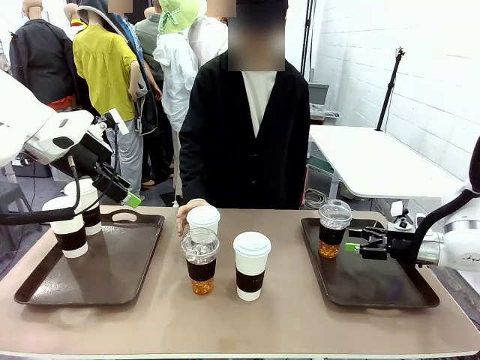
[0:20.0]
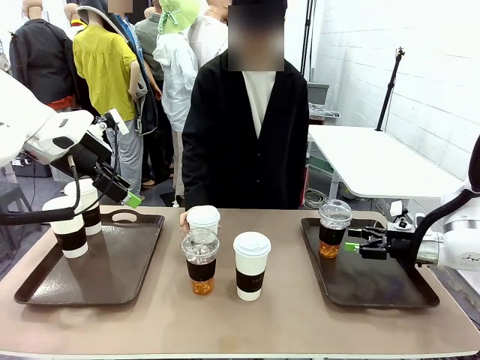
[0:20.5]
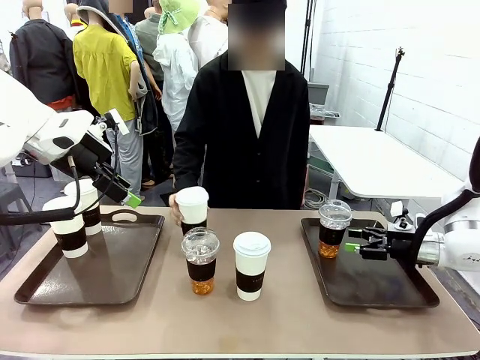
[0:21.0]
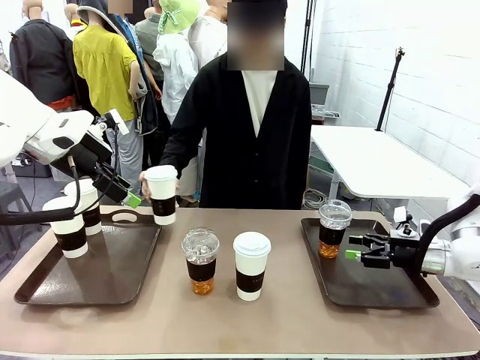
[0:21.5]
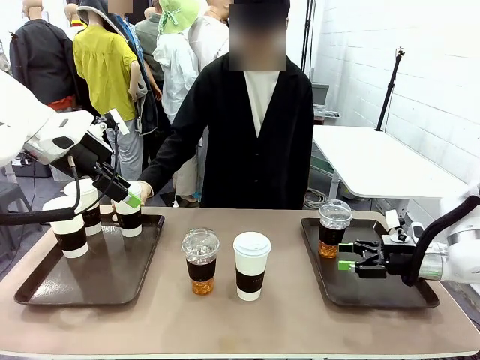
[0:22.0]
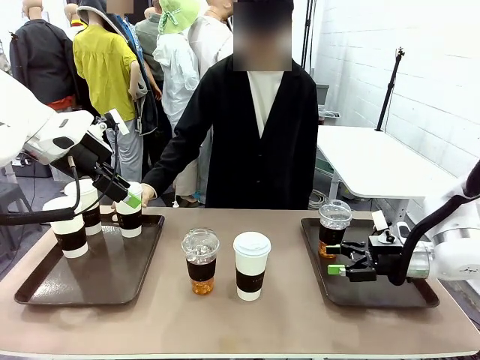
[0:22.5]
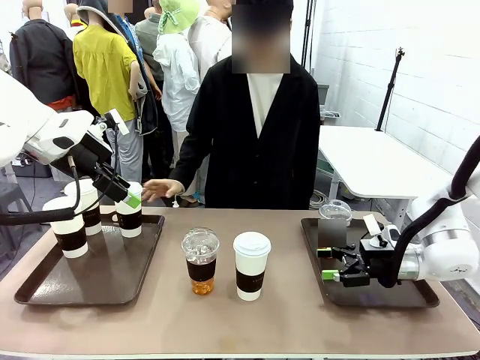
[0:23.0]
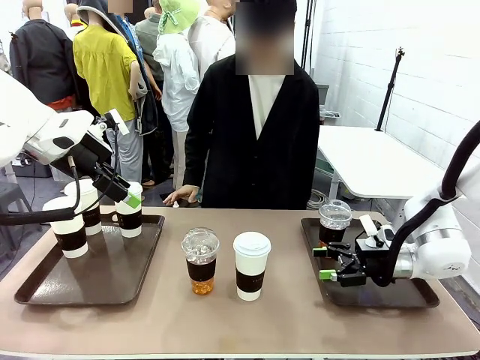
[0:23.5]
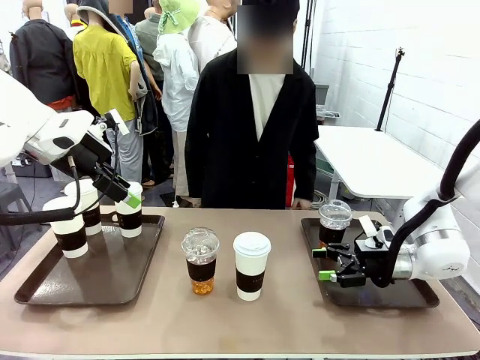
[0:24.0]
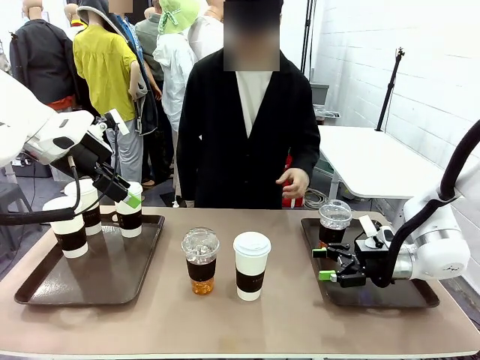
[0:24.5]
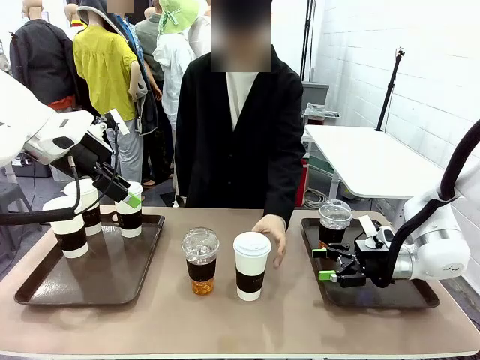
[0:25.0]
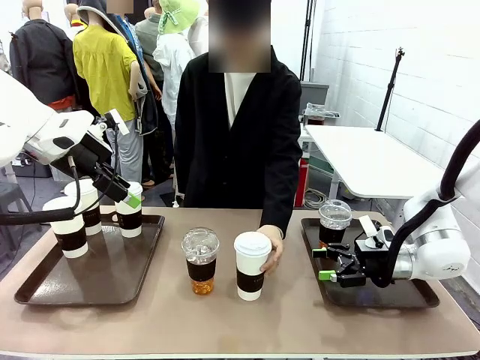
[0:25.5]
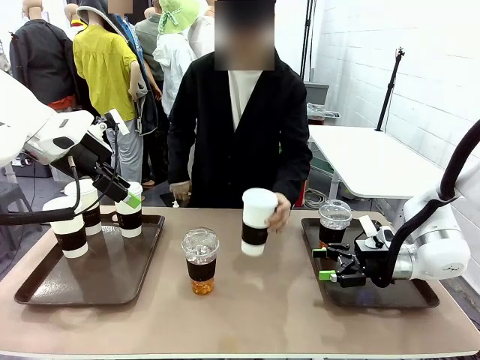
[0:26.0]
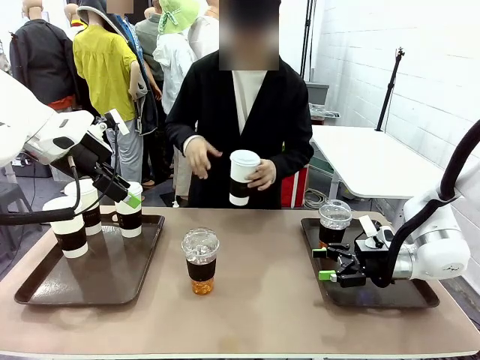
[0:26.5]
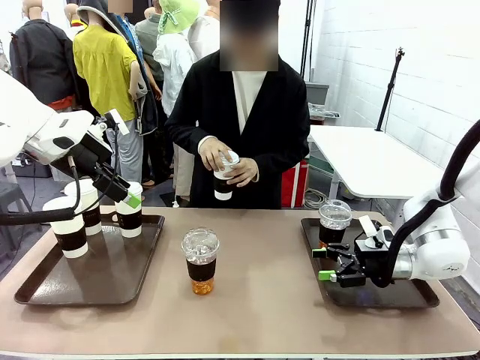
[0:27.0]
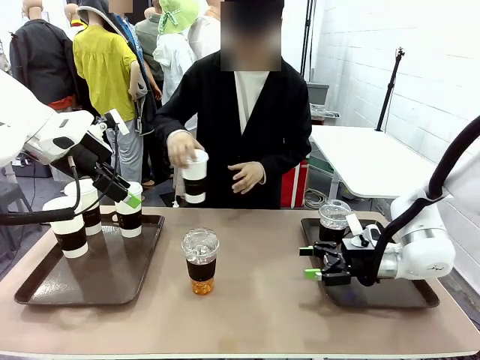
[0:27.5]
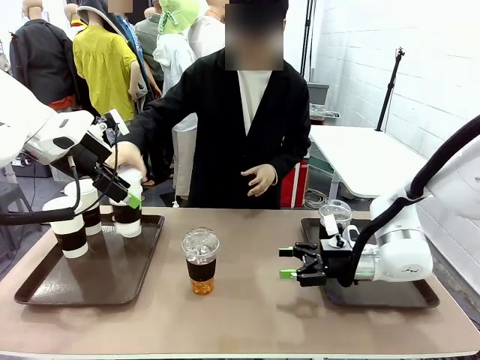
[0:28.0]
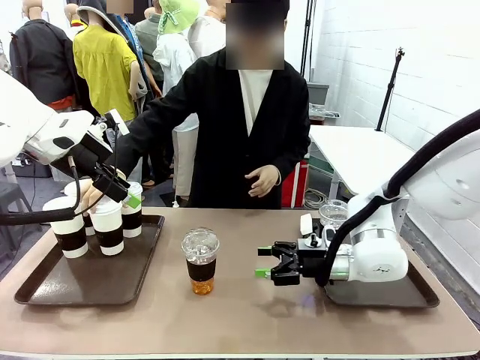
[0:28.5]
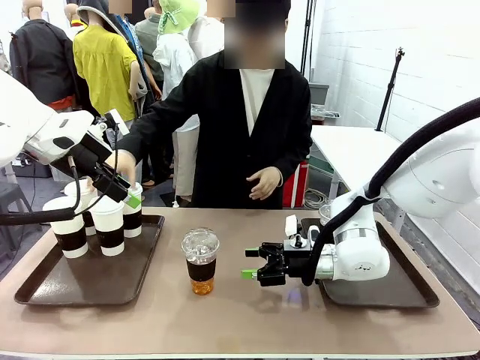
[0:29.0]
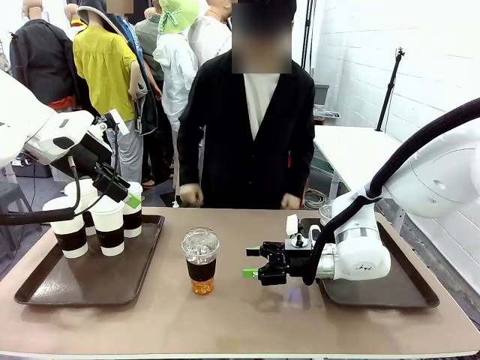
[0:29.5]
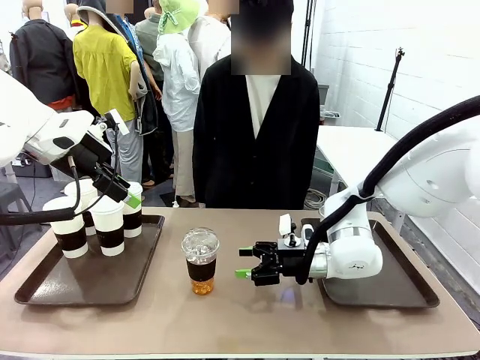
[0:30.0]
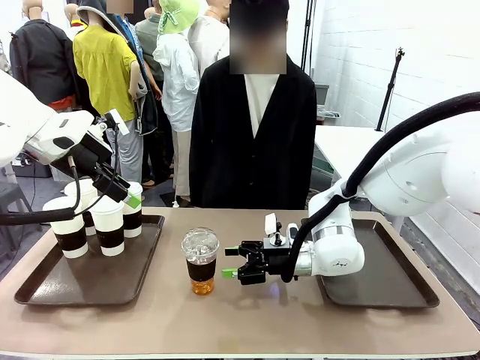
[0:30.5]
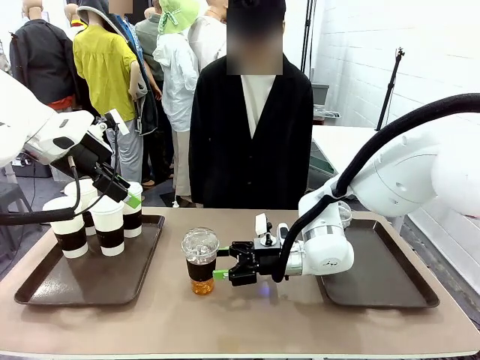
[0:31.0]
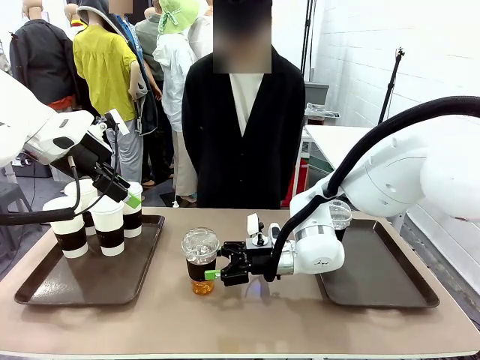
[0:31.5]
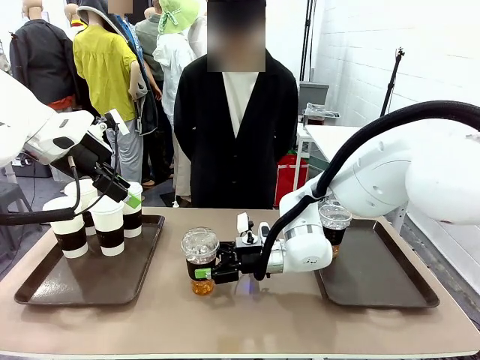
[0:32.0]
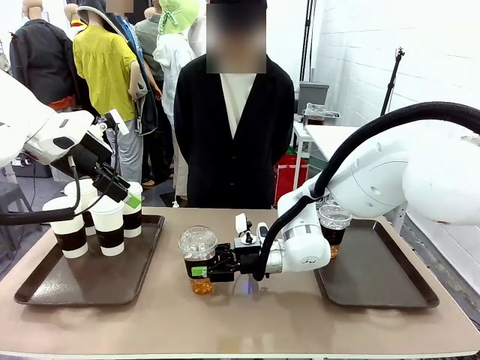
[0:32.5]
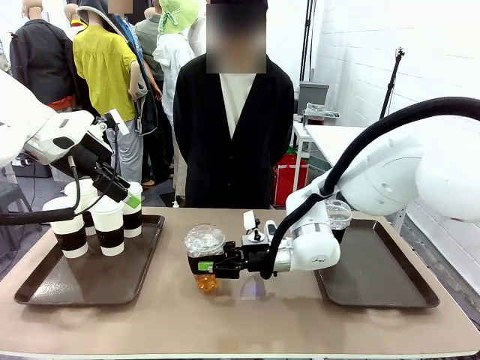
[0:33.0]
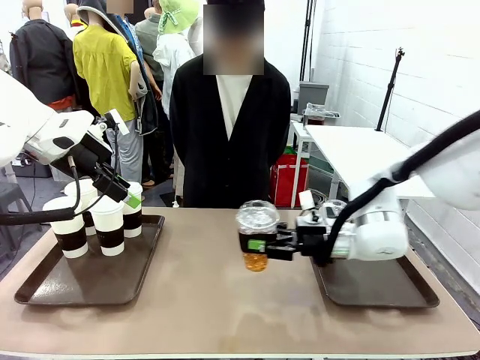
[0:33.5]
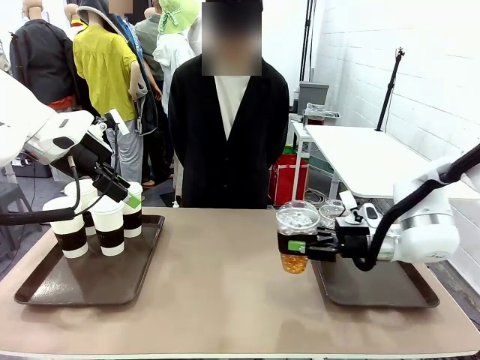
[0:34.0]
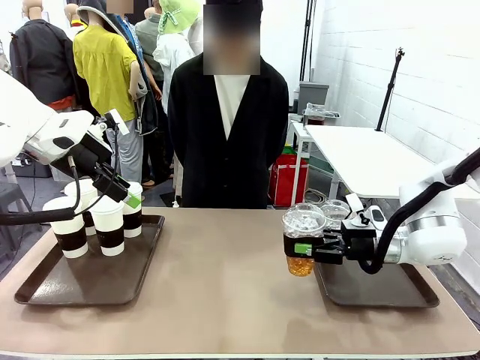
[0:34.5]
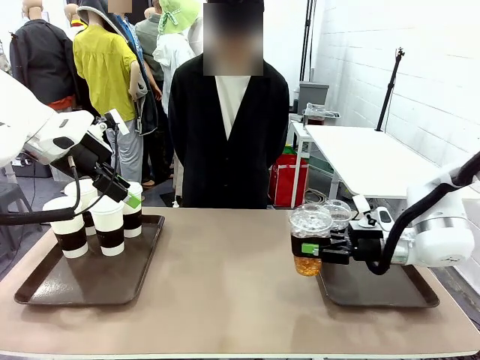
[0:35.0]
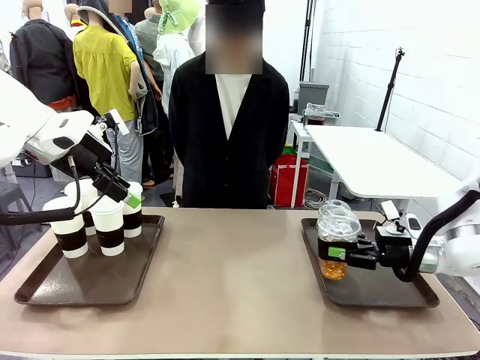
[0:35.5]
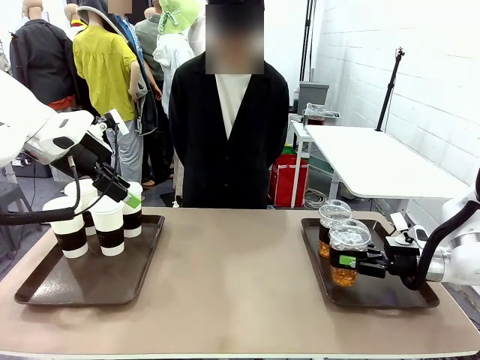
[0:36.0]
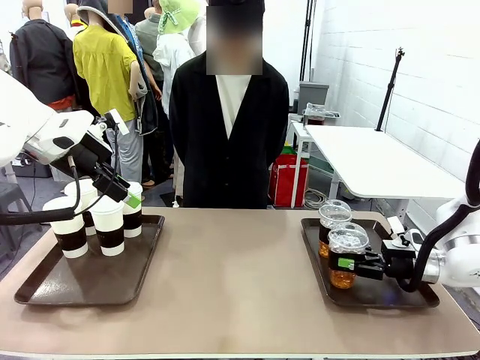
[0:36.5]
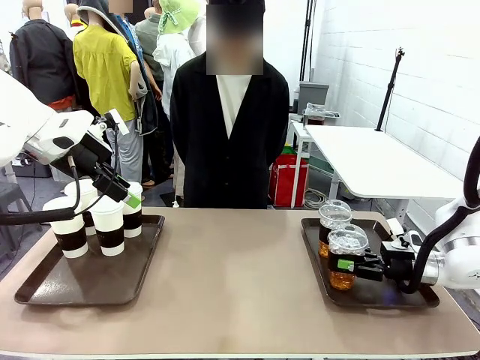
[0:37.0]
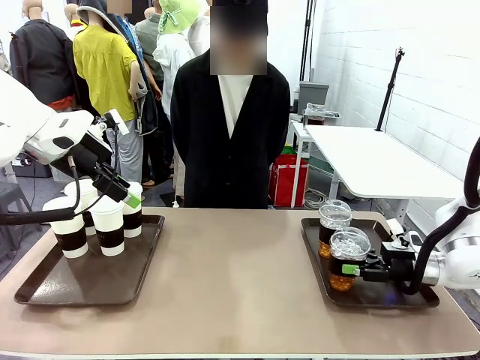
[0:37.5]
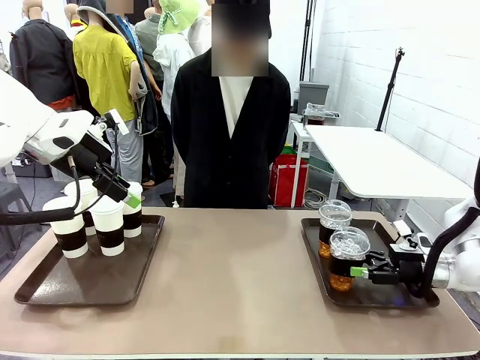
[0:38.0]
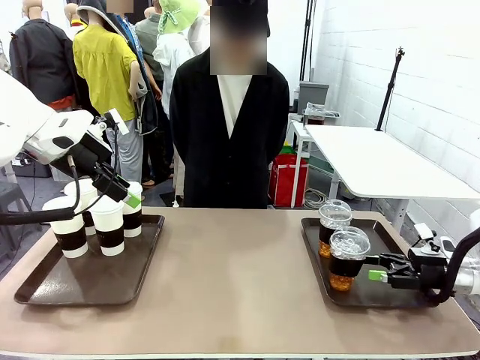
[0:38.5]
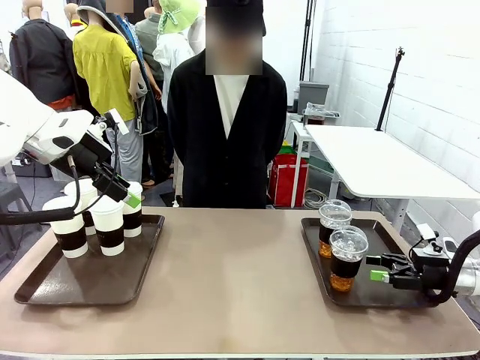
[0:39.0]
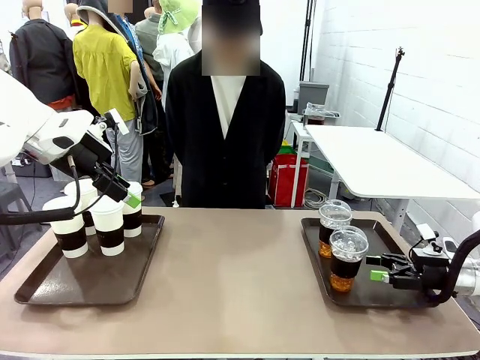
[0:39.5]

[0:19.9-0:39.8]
Task: Distribute the coffee onto the tray.
Robot: Pick up another iced Americano from the middle of the table and place it on the right Handle tray.
Person: Pick up a cup of hot Americano from the middle of the table and place it on the right tray.

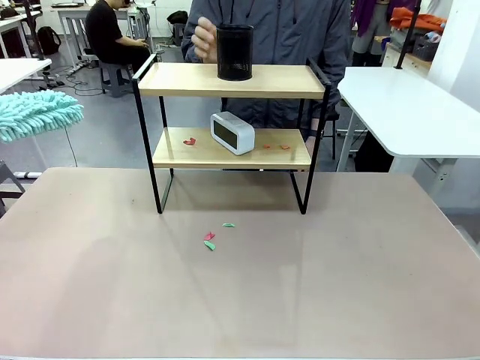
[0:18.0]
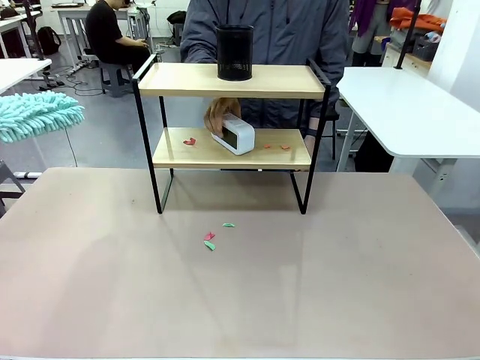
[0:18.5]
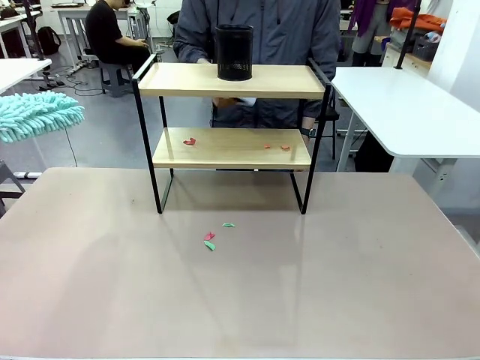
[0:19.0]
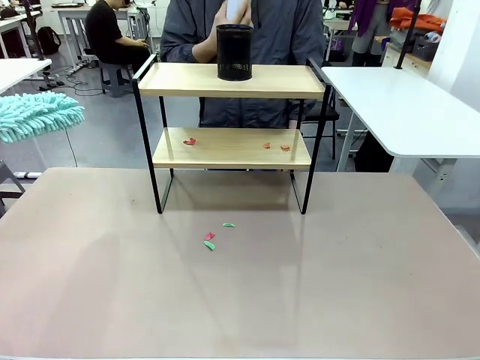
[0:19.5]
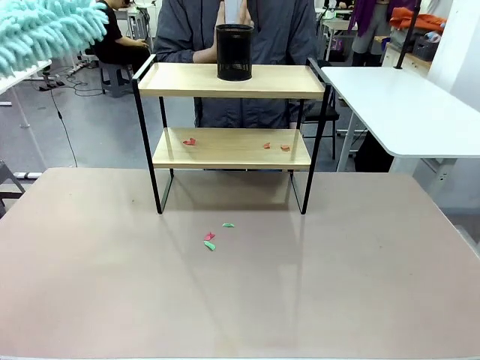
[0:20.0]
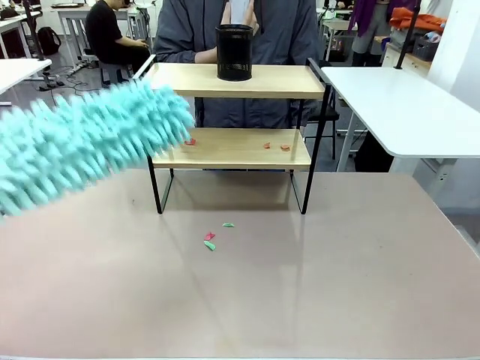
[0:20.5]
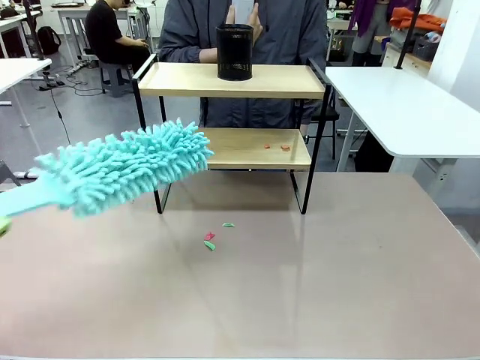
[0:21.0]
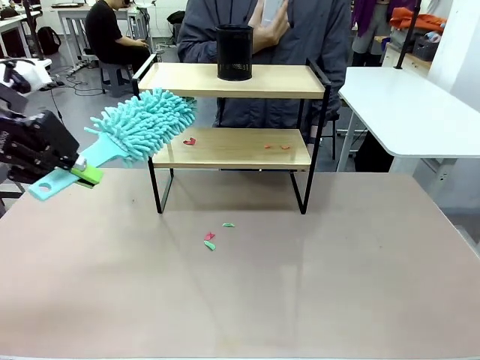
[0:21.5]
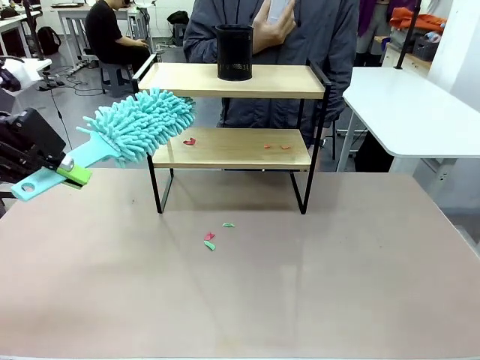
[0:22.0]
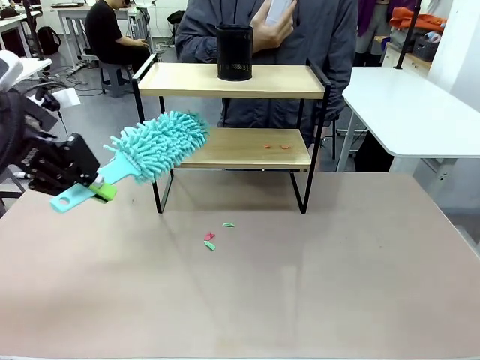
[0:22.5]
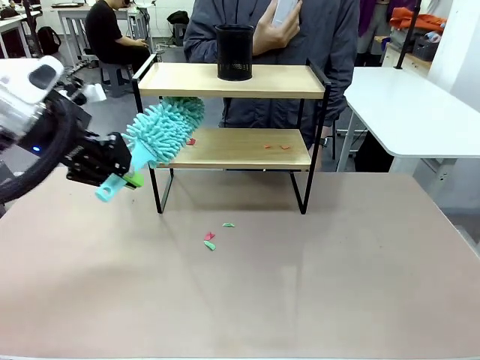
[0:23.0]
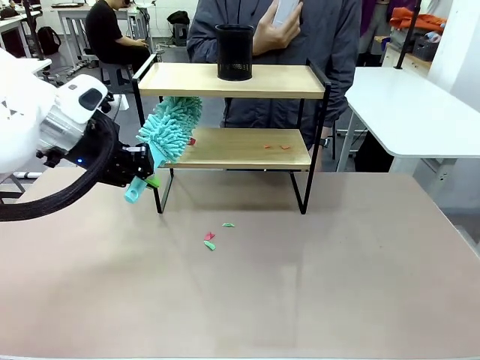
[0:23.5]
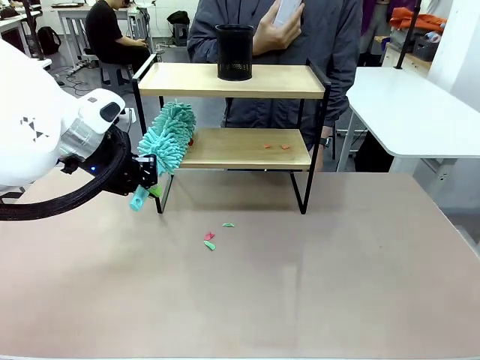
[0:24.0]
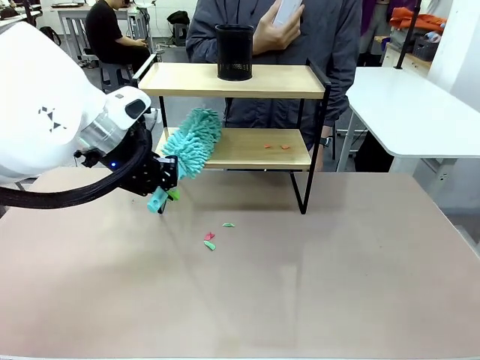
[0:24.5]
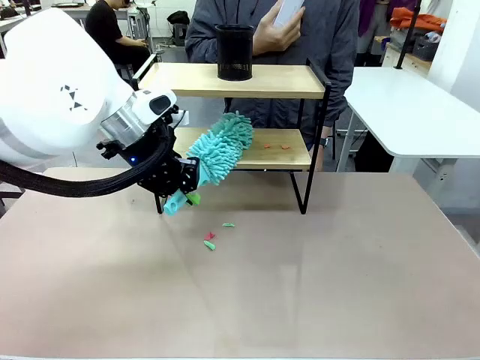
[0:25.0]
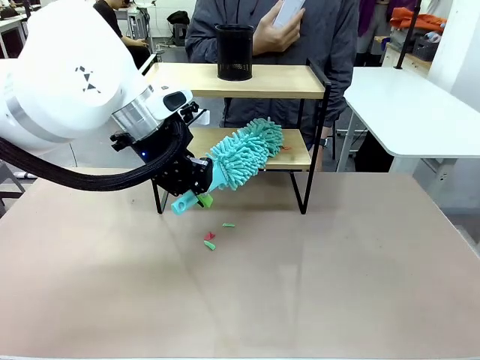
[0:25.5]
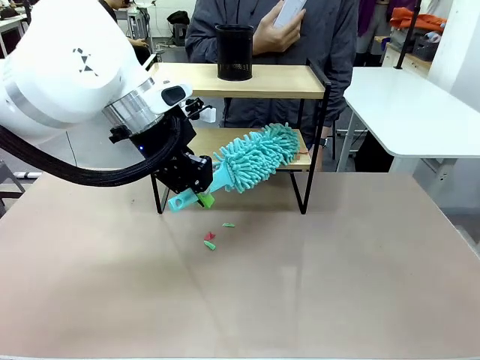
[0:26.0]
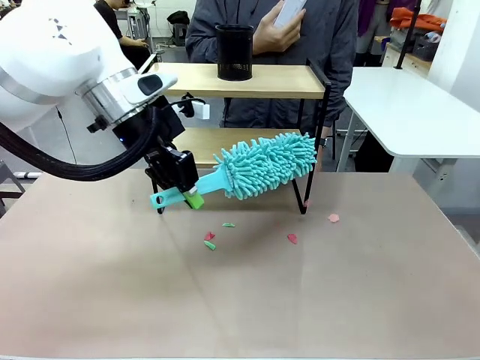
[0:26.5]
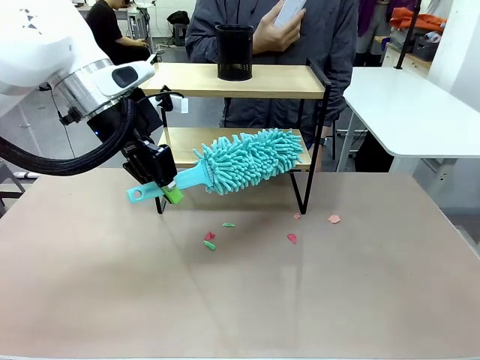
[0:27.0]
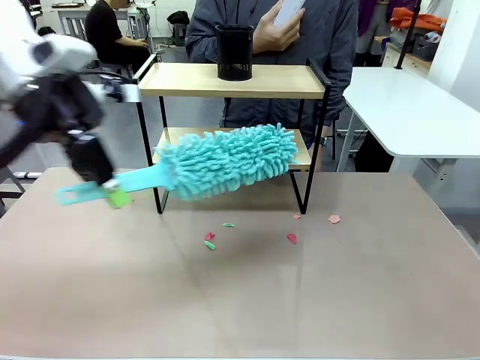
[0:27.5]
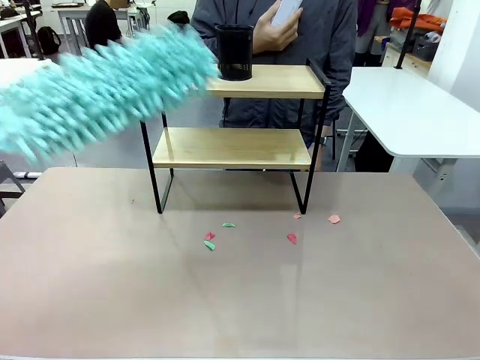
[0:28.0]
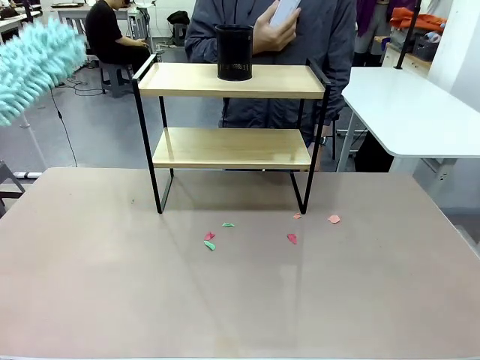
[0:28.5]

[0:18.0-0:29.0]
Task: Clean the shelf.
Robot: Clean the remaining tier of the Shelf with the Duster once objects are removed.
